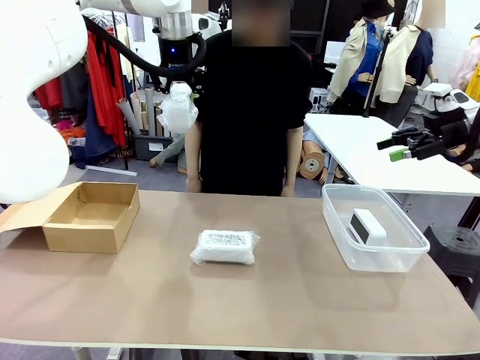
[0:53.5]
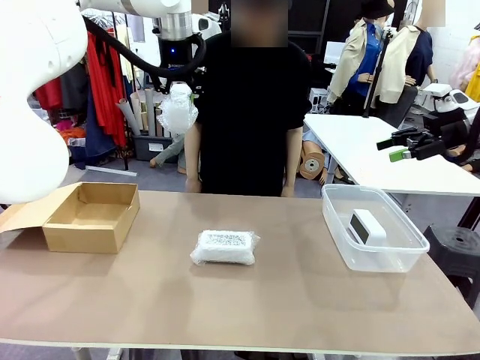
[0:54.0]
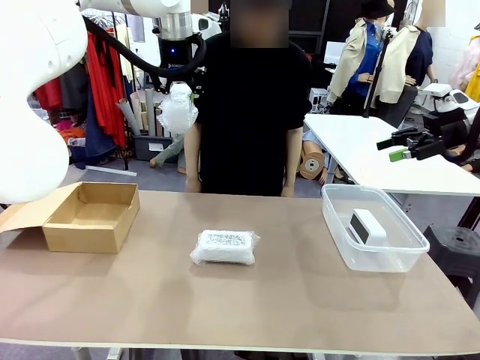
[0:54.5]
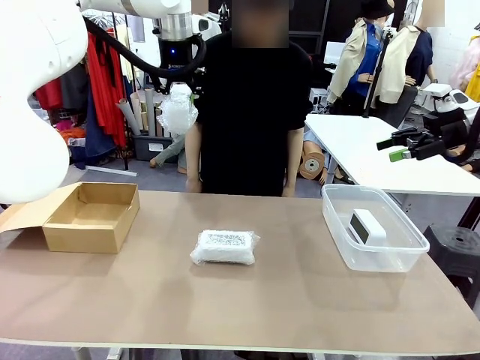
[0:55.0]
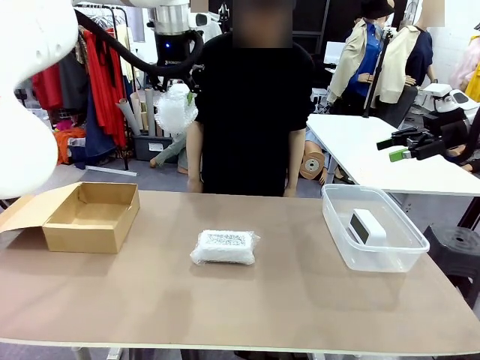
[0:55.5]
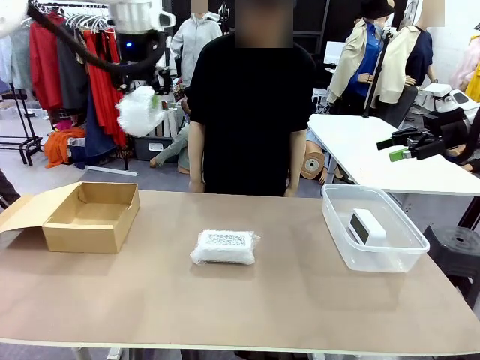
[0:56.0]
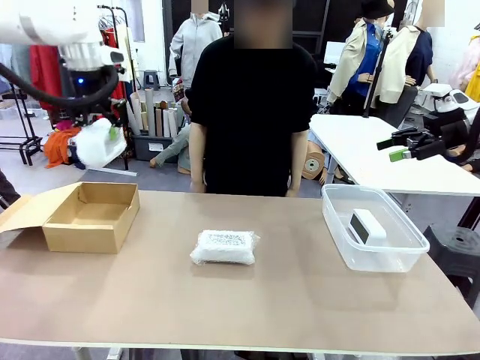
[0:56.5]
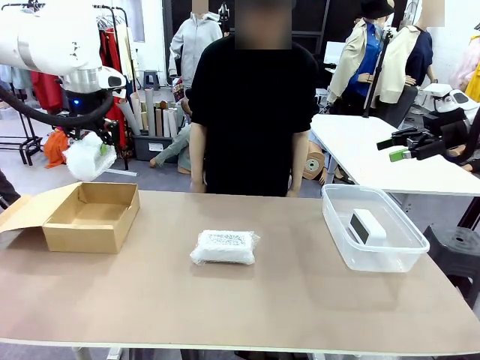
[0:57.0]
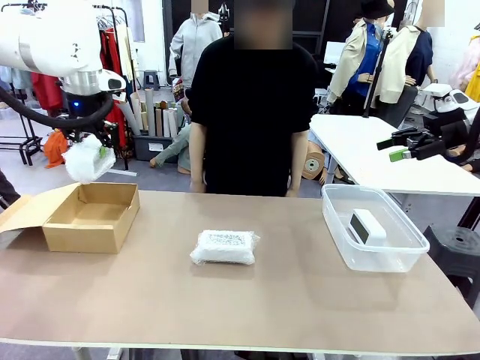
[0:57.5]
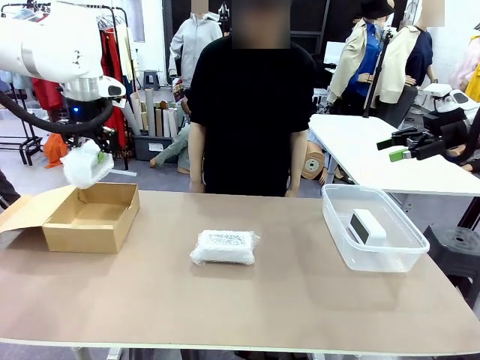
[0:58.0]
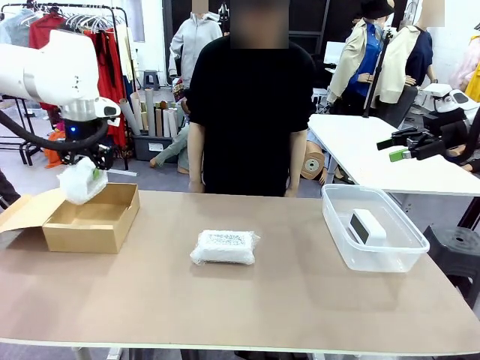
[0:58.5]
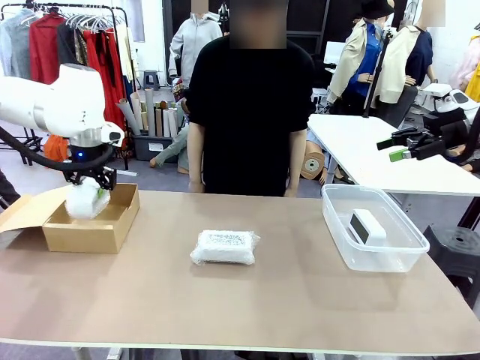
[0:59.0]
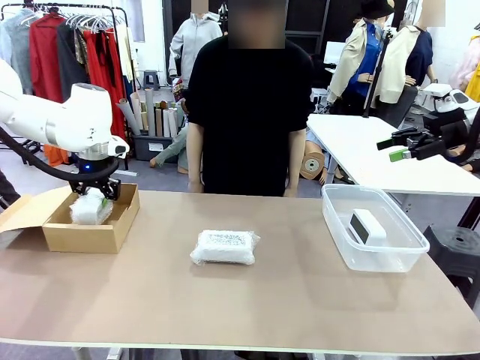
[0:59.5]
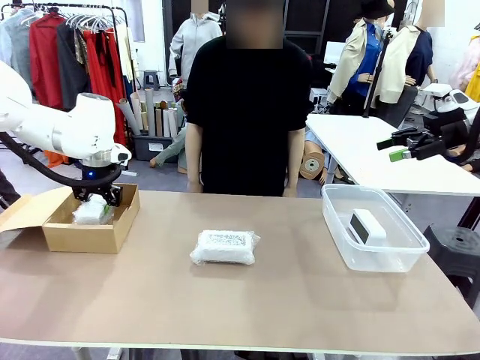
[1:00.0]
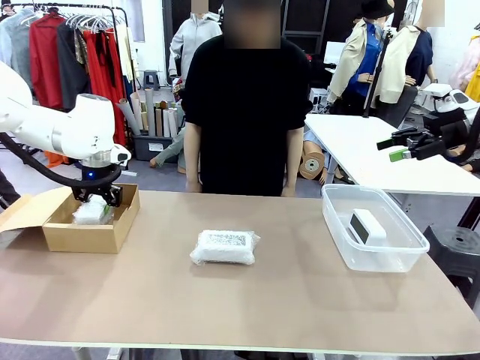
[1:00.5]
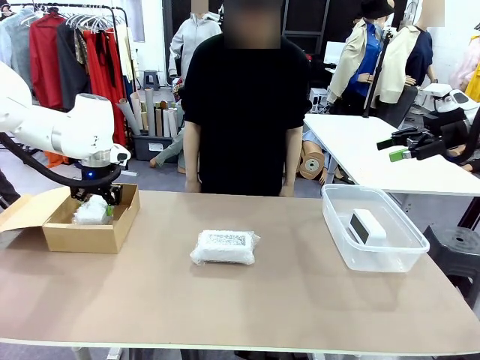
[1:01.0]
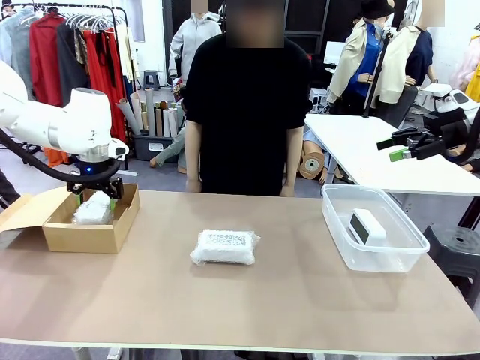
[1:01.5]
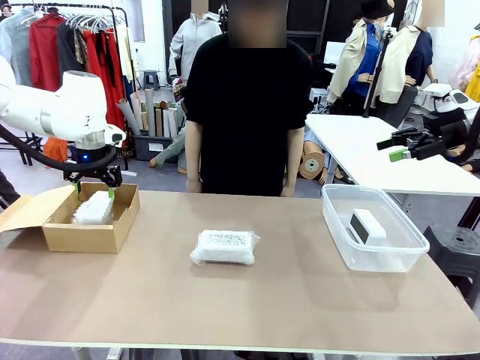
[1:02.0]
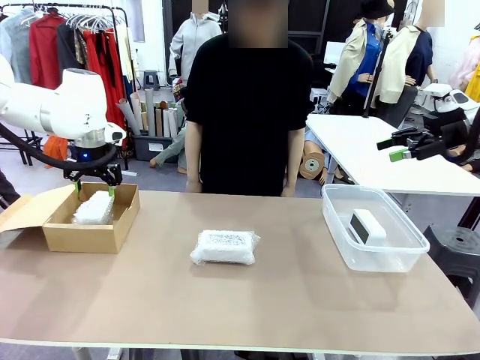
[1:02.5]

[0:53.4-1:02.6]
Task: Separate and place wrapped and unwrapped clocks.
Robot: If the picked Digital clock is wrapped, place it in the Package Box ; if not, place it in the Organizing box.

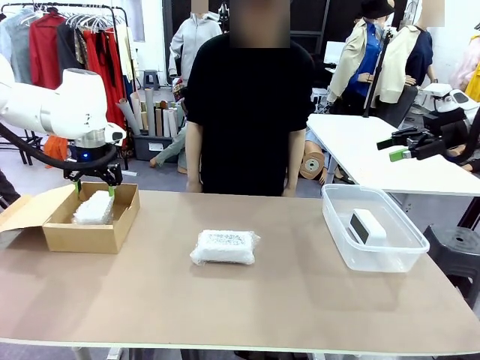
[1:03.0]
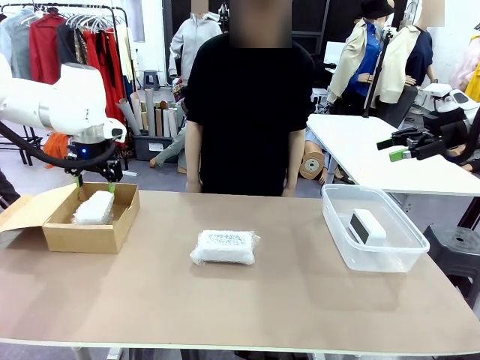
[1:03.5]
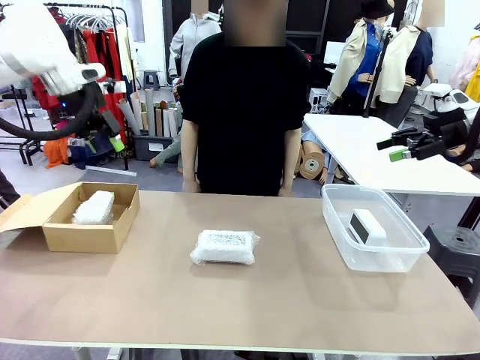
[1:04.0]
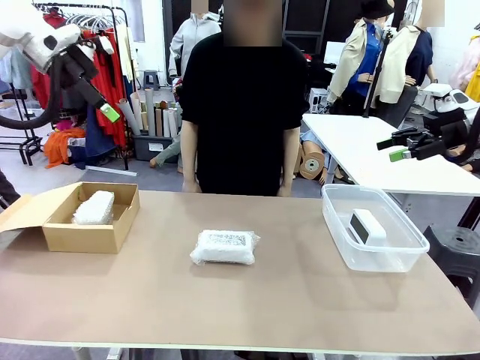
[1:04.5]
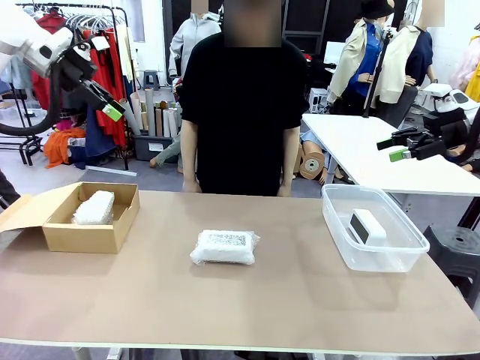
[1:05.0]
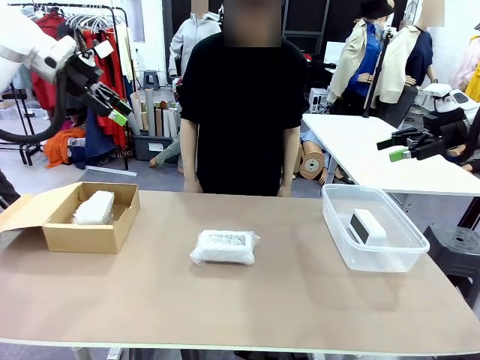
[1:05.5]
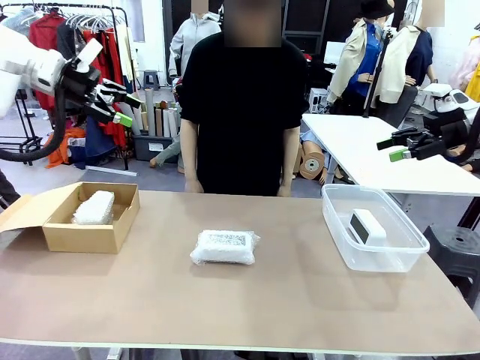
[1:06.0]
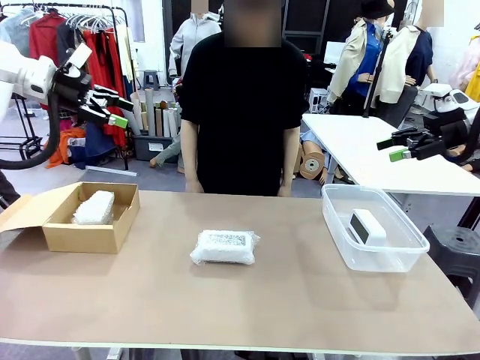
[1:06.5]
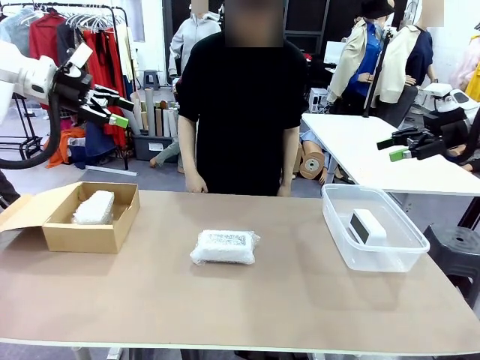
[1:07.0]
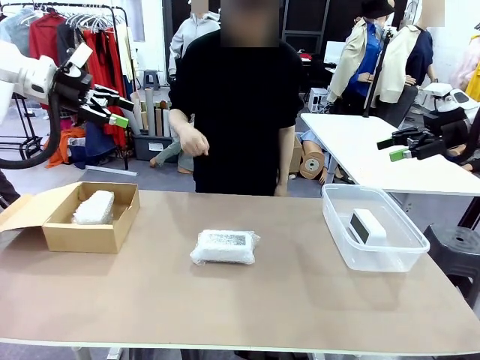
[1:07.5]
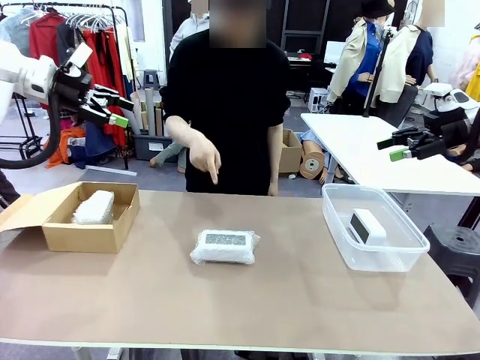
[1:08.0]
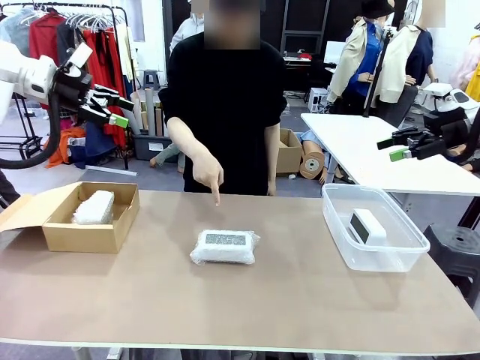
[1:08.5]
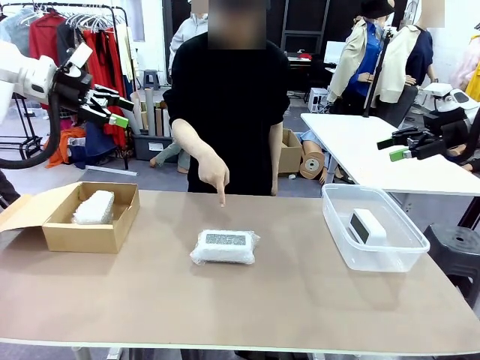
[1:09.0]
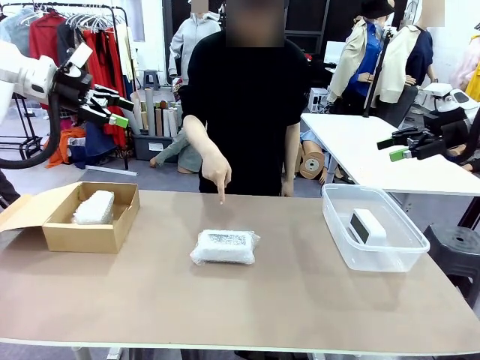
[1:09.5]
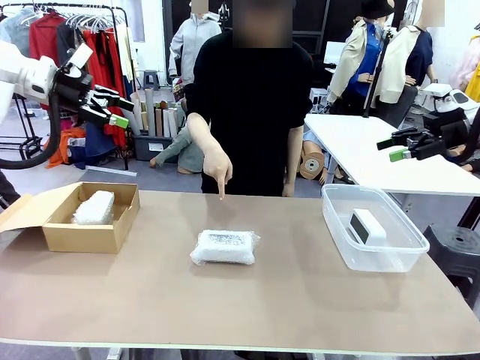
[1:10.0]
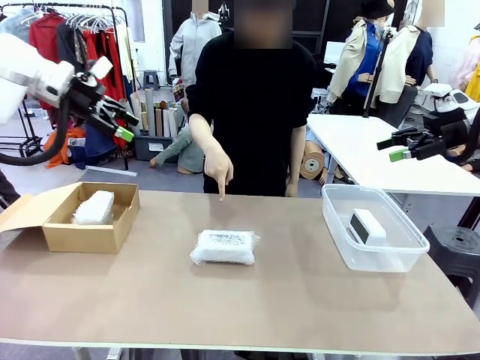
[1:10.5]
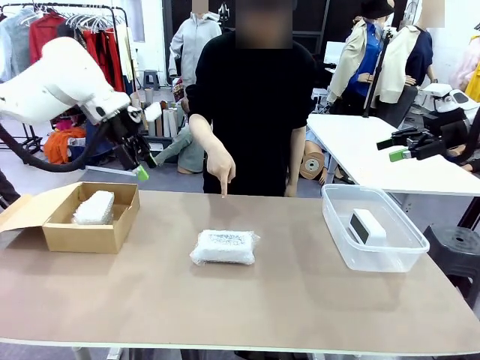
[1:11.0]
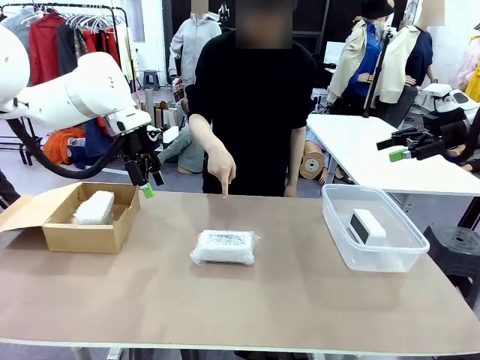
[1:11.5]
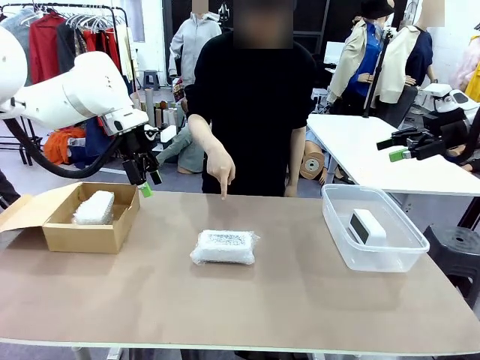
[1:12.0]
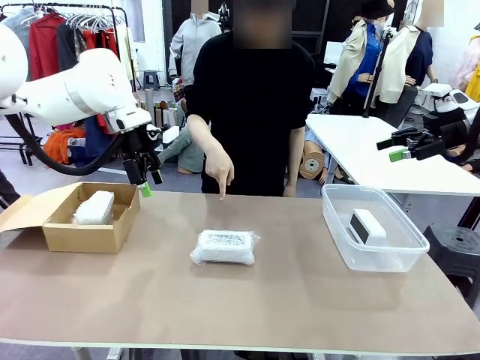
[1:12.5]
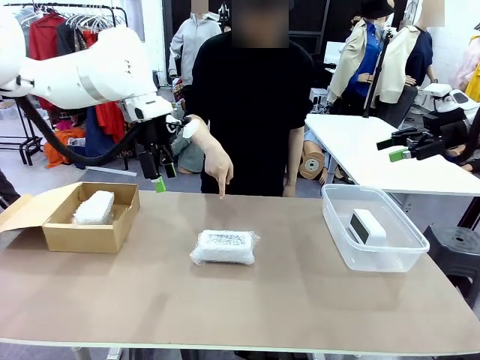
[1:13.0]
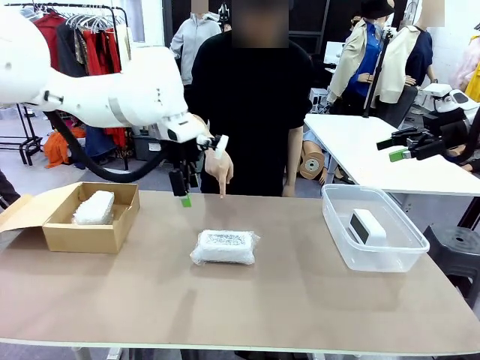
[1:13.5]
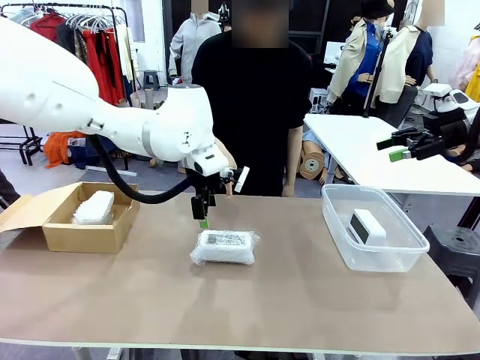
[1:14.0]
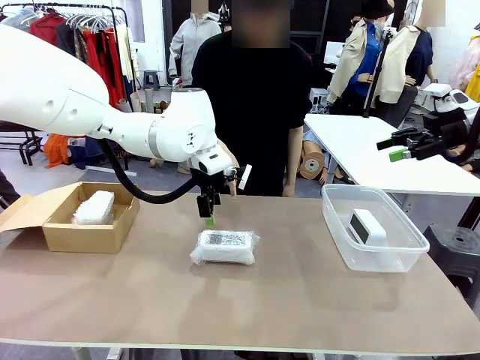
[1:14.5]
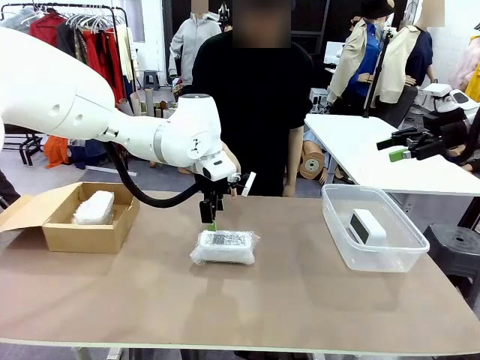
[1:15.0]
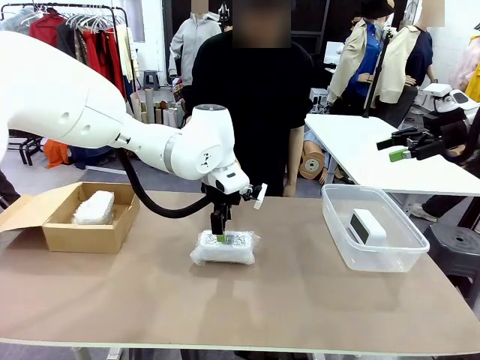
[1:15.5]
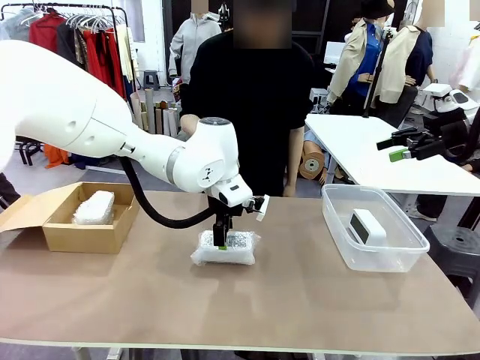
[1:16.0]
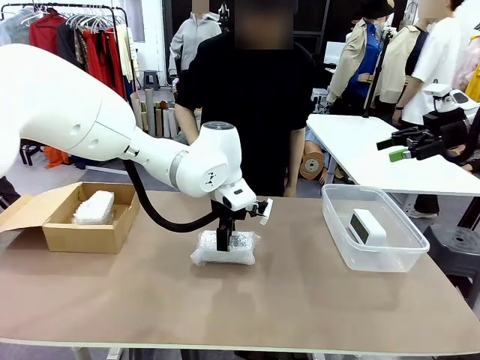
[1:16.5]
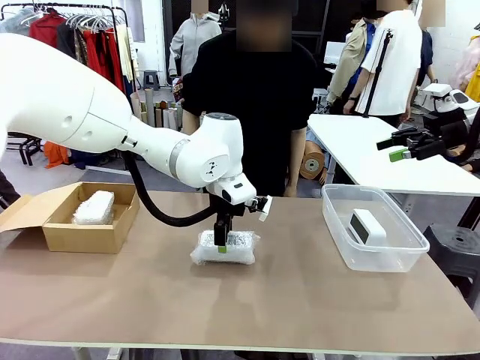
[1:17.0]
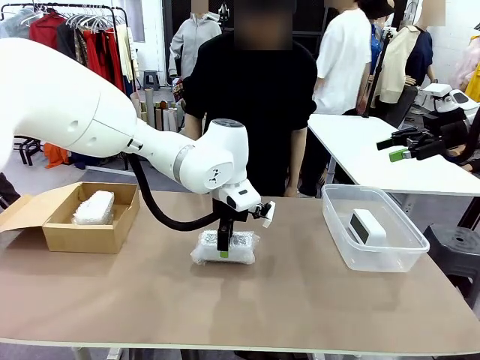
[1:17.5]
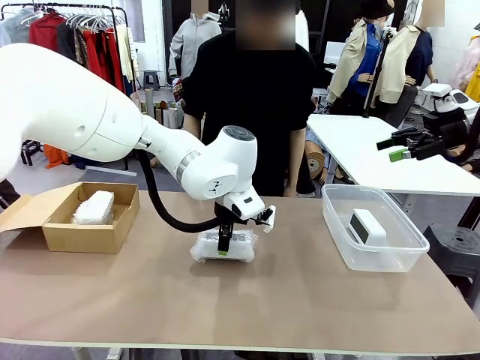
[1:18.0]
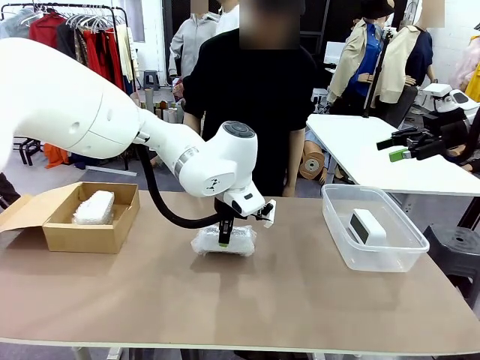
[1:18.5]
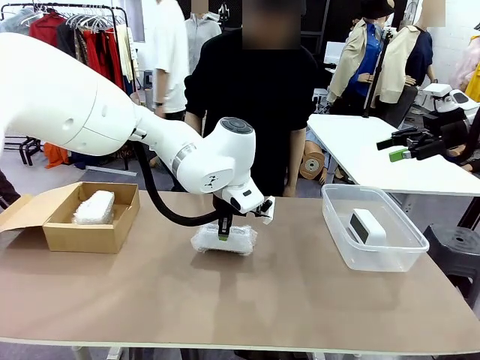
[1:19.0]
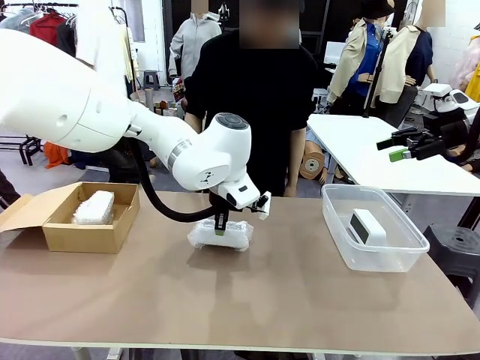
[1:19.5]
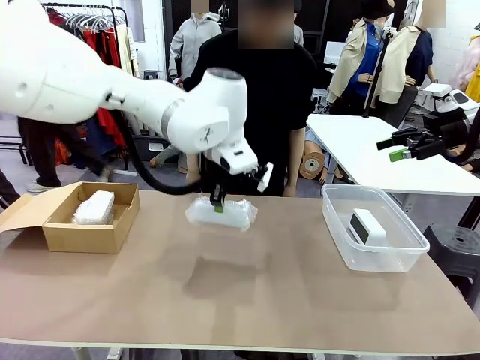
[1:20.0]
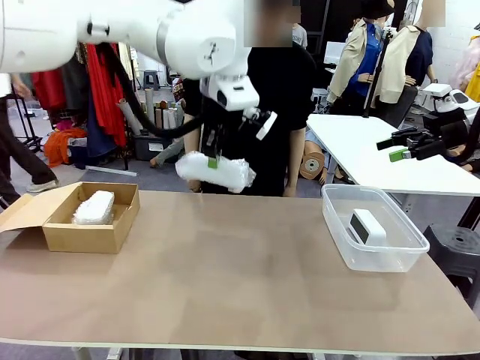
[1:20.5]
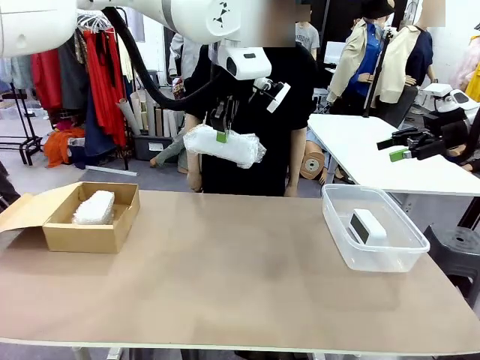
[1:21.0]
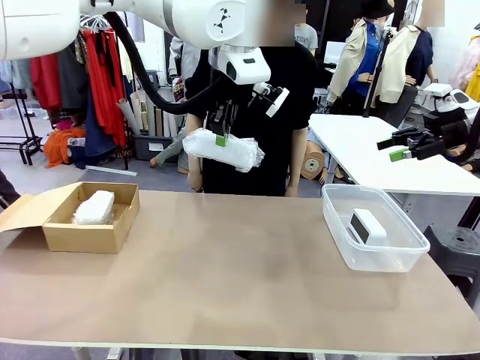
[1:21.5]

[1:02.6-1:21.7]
Robot: Pick up the Digital clock indicated by the person.
